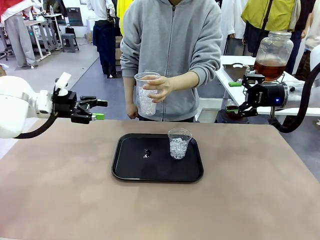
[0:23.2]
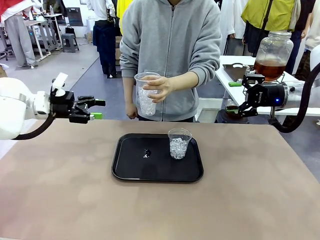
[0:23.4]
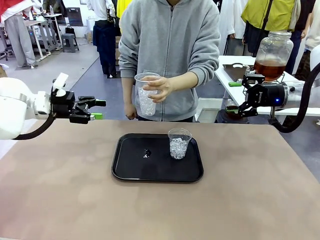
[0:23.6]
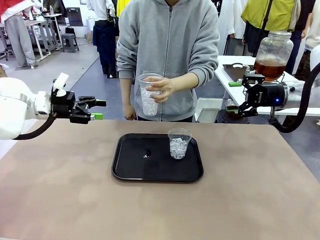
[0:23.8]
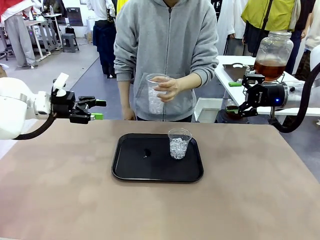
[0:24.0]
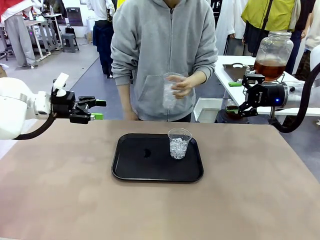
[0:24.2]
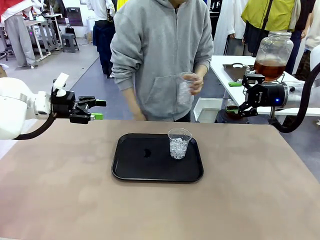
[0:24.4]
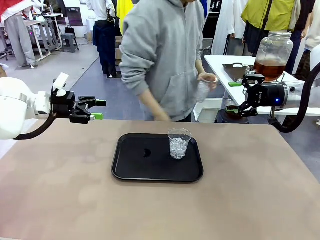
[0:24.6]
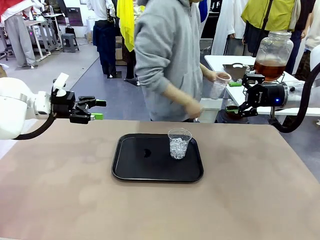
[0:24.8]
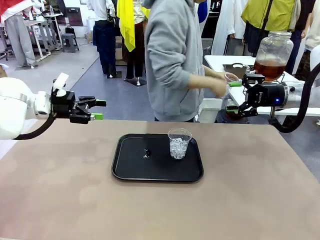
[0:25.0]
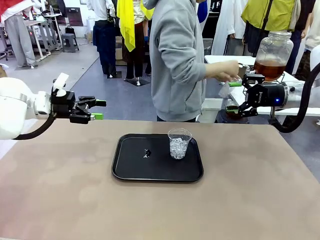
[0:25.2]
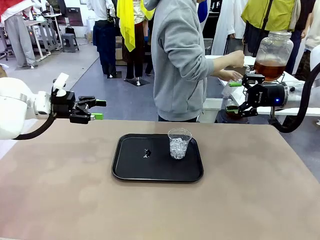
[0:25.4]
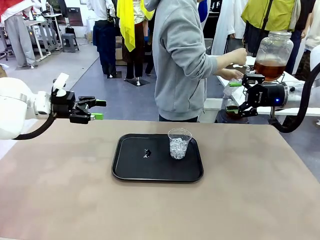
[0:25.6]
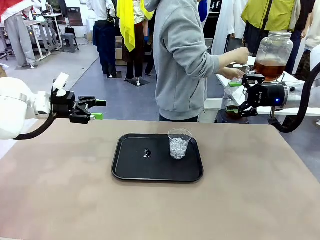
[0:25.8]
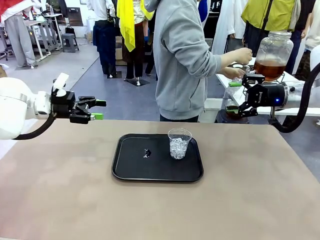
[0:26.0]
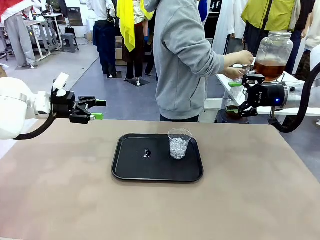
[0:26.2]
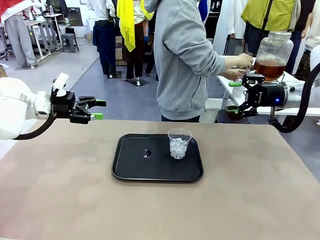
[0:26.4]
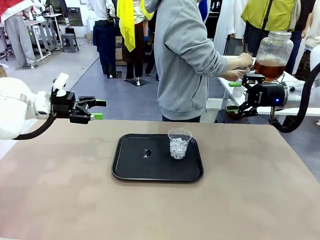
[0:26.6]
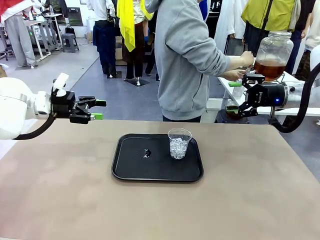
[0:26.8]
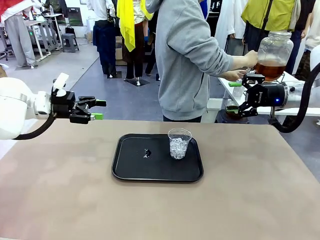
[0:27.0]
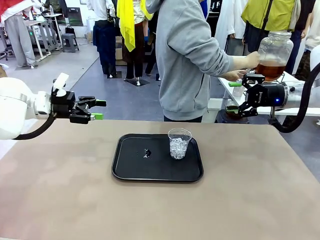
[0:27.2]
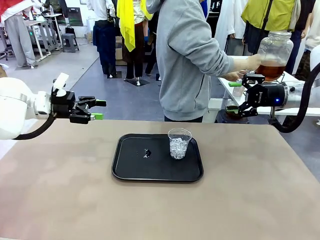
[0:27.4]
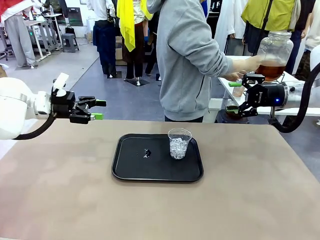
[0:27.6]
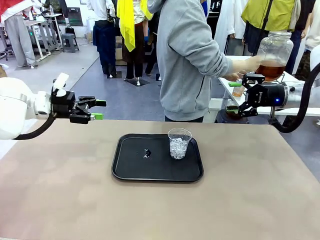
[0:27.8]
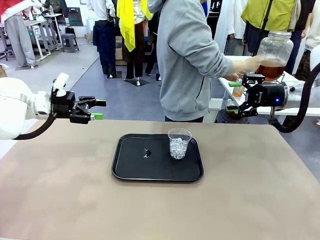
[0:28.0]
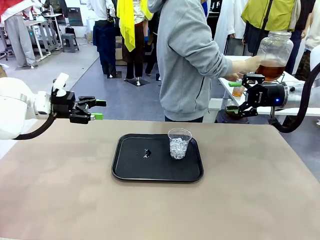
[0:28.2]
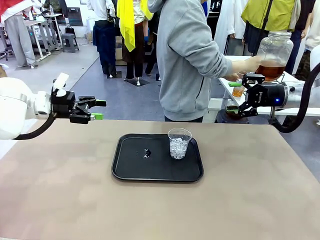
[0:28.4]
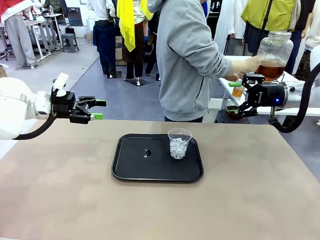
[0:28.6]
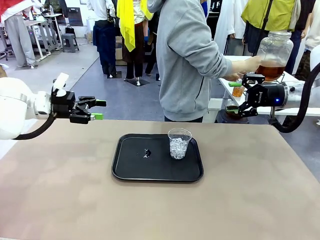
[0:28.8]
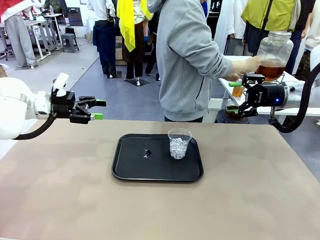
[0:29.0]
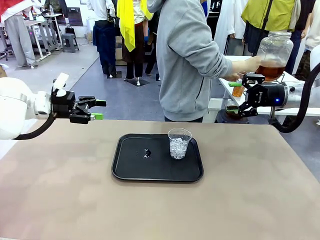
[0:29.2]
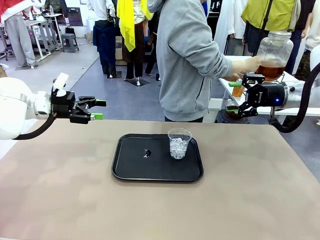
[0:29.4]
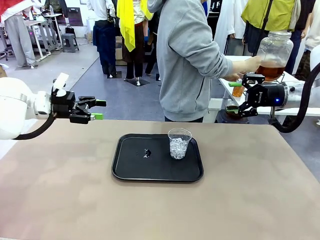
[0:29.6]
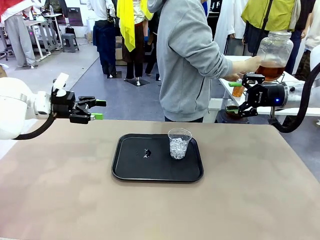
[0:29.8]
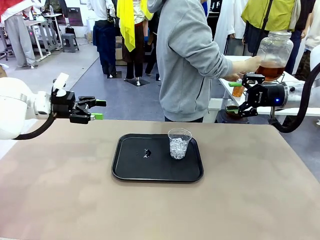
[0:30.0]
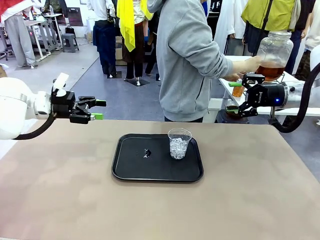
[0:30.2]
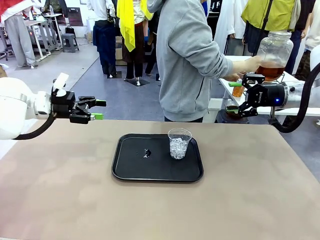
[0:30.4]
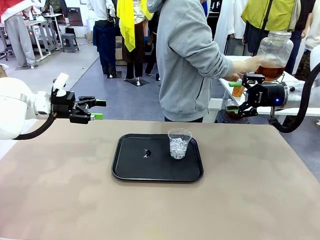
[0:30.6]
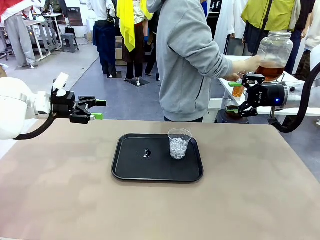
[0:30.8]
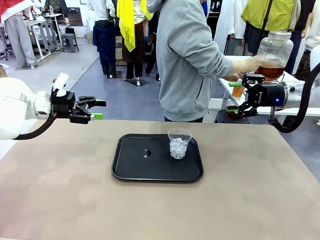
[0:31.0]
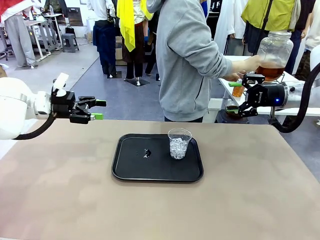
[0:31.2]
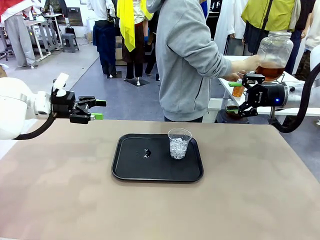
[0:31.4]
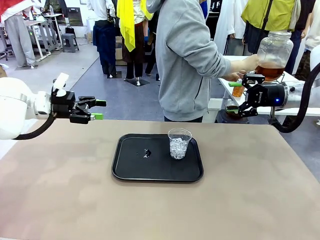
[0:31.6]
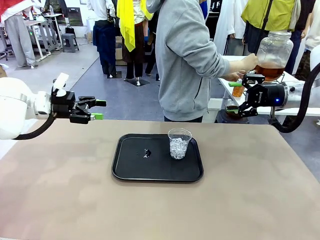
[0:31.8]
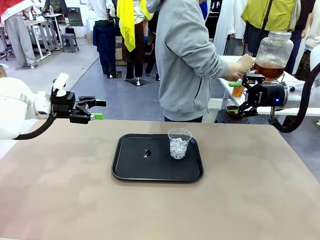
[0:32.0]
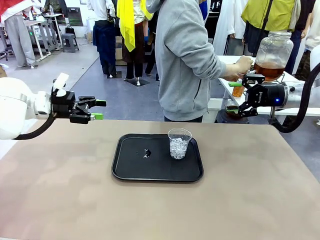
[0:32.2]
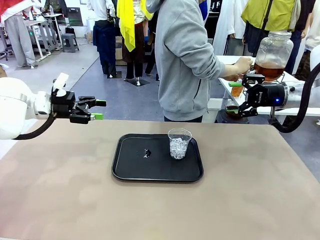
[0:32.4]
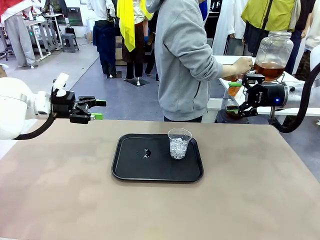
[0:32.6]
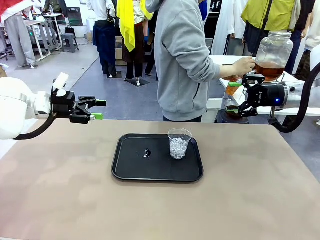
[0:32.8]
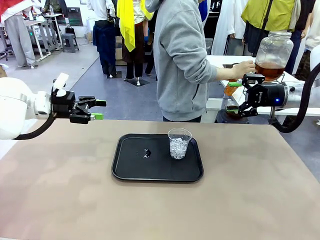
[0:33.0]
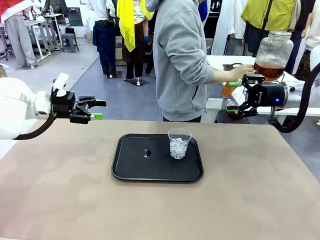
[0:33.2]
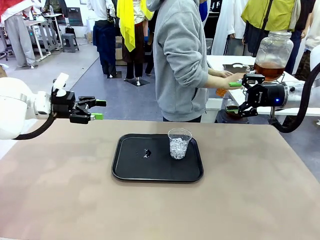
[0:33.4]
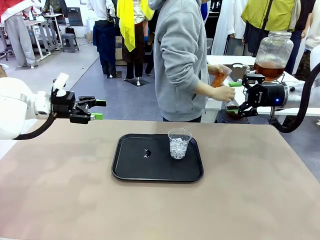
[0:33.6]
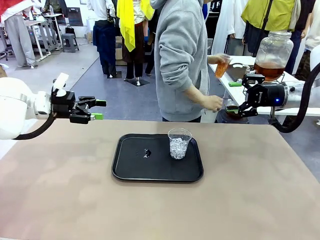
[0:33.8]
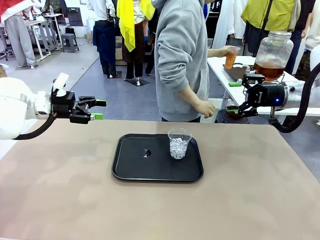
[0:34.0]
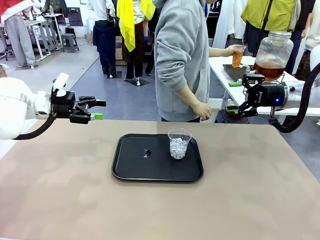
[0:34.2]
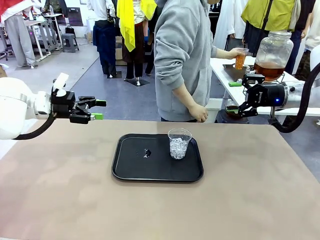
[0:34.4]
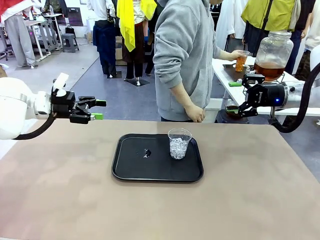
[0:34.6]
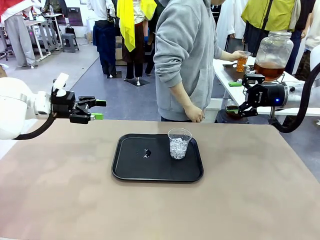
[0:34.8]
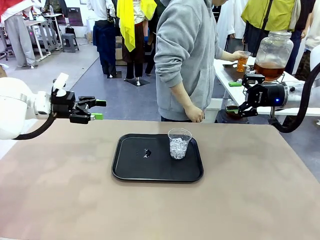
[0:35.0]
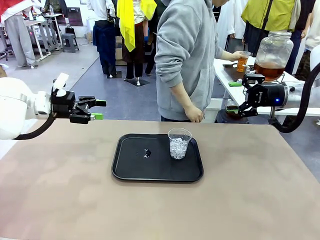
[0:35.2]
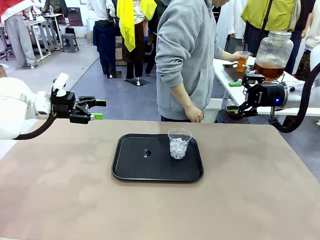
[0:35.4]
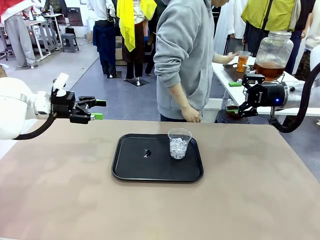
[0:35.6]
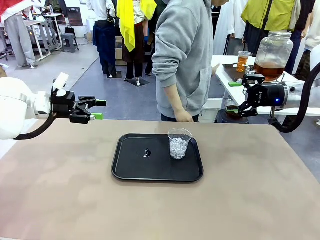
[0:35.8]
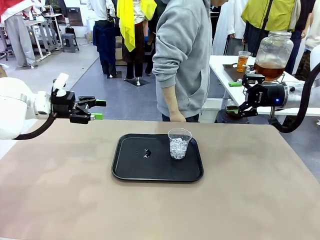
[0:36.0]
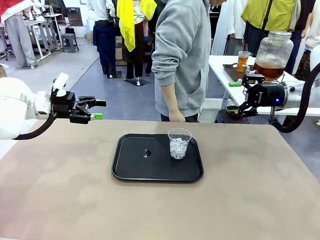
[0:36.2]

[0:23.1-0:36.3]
Task: Pour the drink into the iced cup.
Robot: Pick up the iced cup indicated by the human and present it to them.
Person: Move the picked-up cup under the dispenser faucet, pour the drink, and place it on the tray on the human table.
